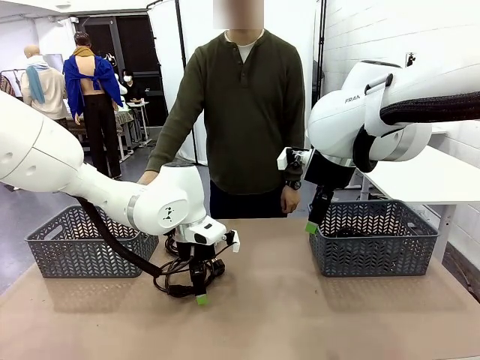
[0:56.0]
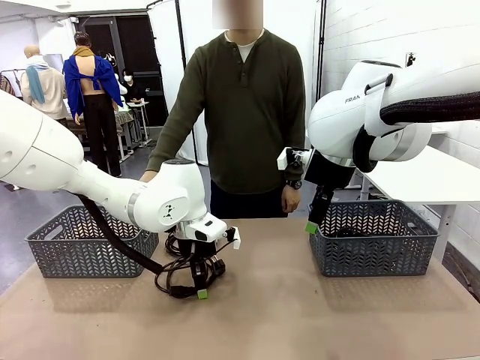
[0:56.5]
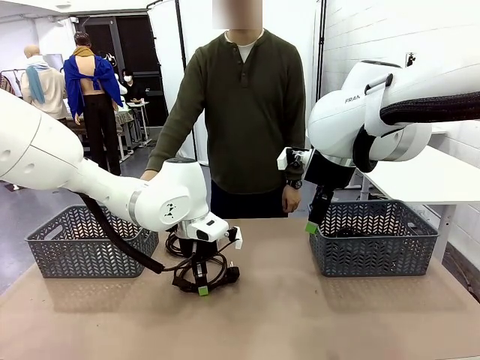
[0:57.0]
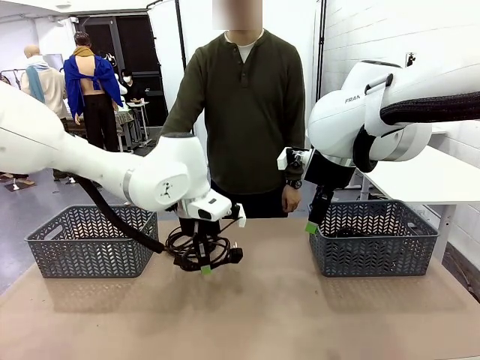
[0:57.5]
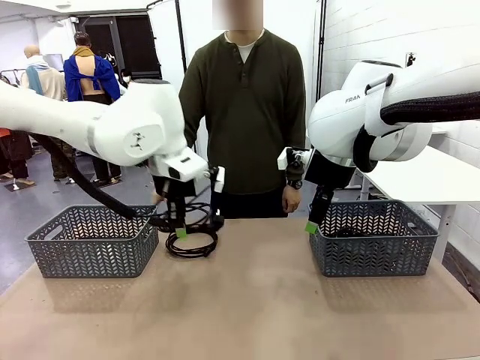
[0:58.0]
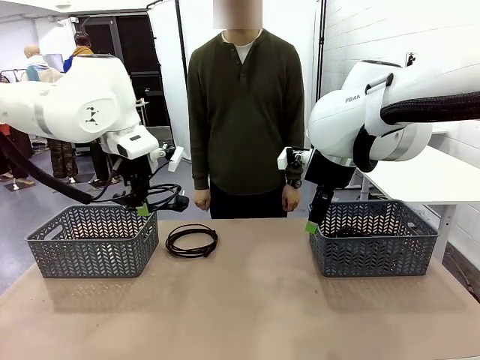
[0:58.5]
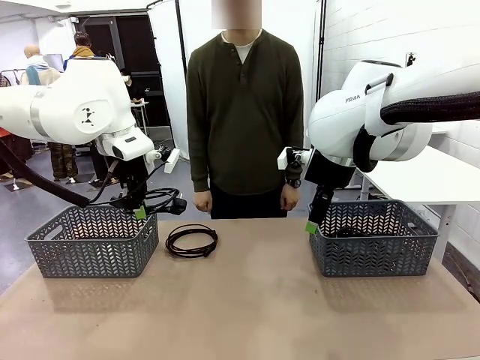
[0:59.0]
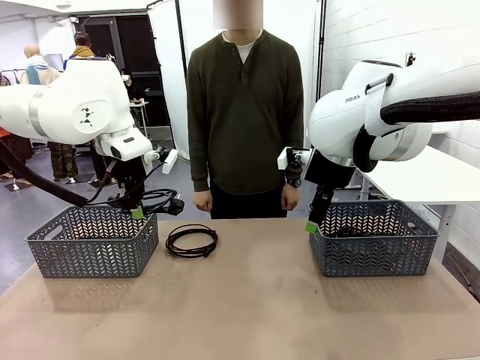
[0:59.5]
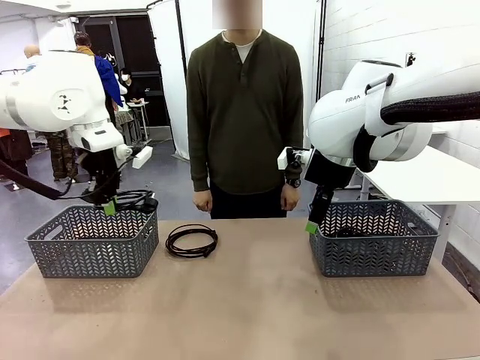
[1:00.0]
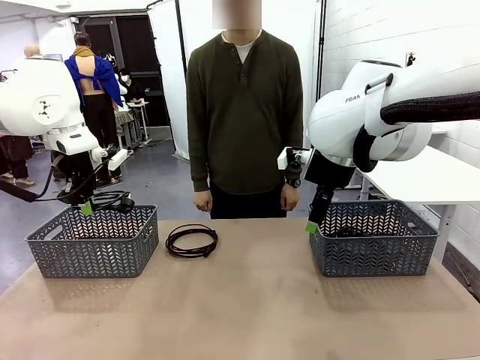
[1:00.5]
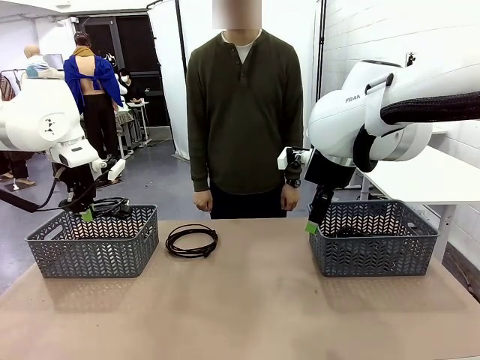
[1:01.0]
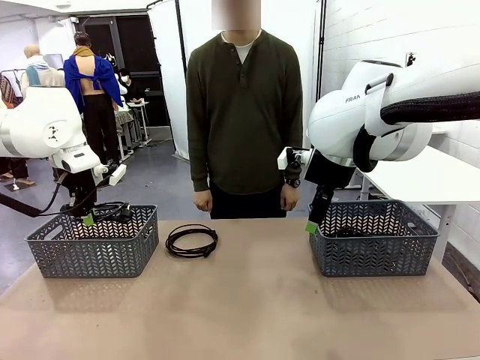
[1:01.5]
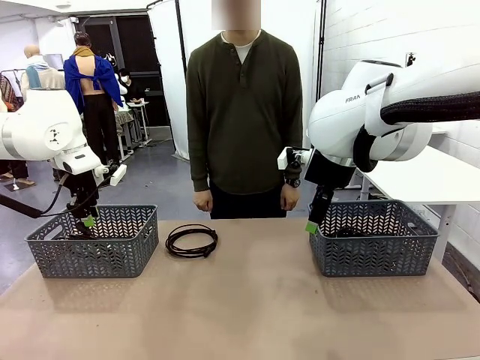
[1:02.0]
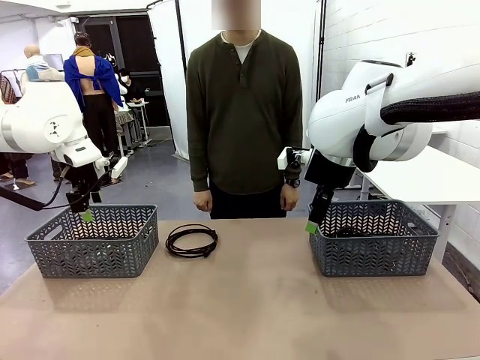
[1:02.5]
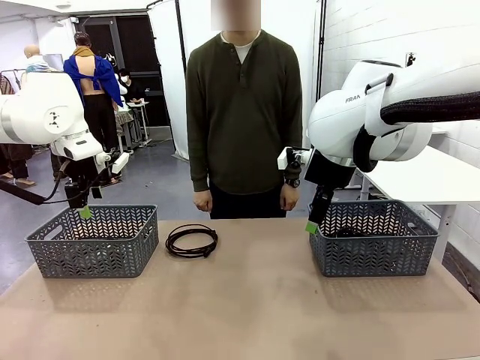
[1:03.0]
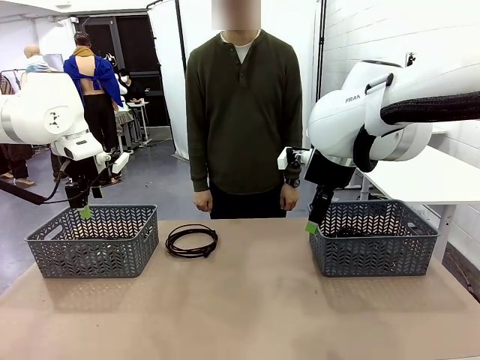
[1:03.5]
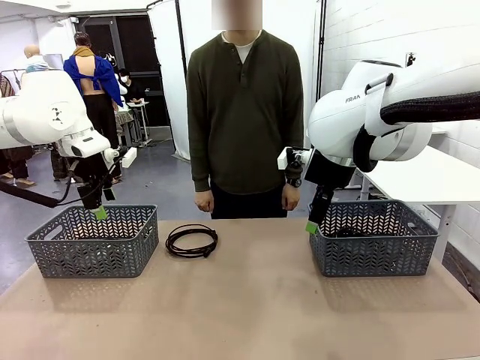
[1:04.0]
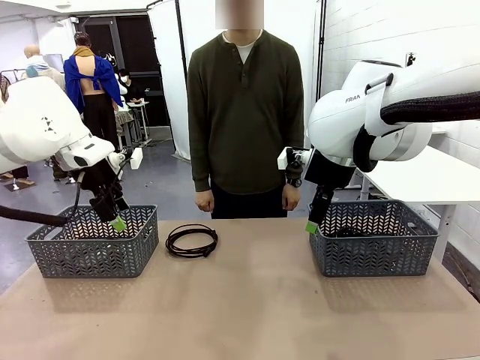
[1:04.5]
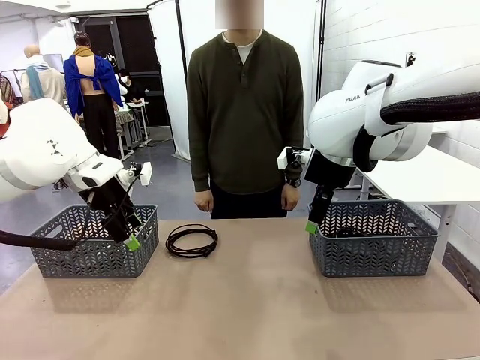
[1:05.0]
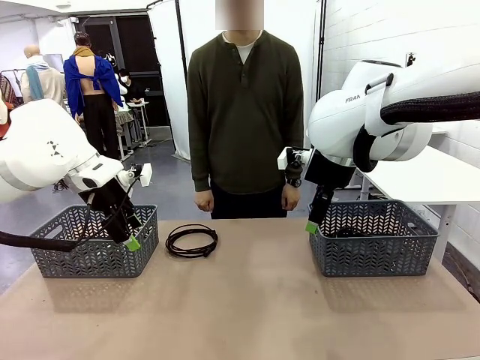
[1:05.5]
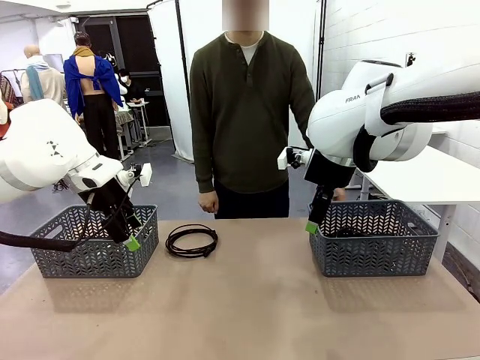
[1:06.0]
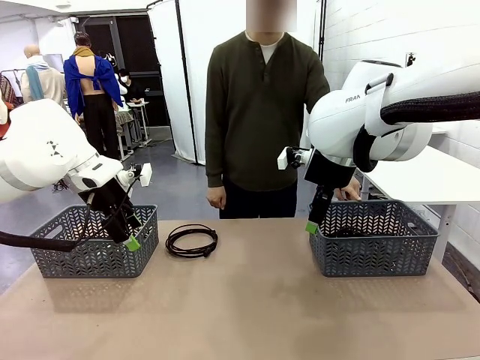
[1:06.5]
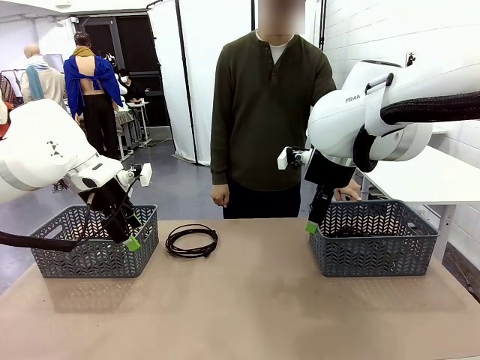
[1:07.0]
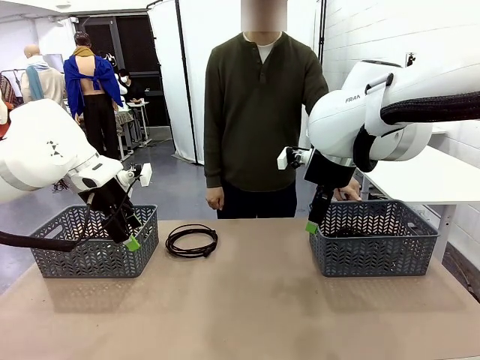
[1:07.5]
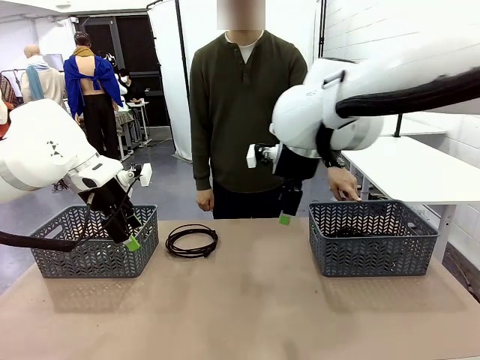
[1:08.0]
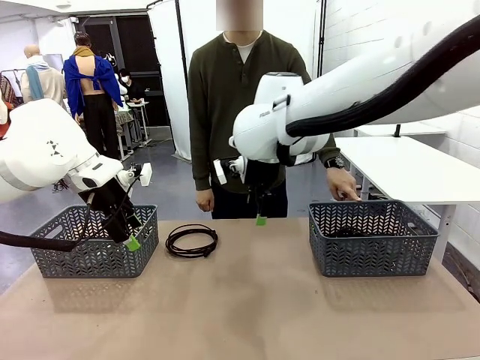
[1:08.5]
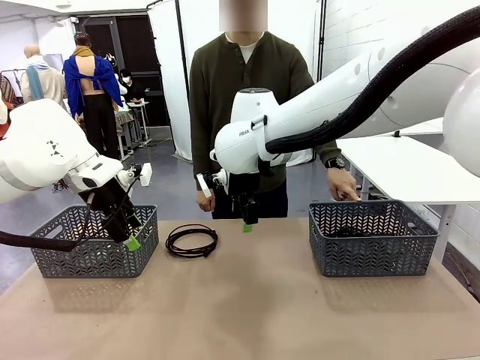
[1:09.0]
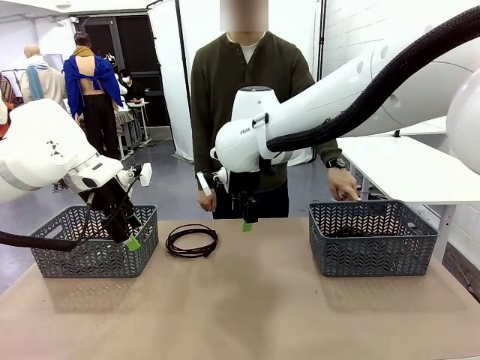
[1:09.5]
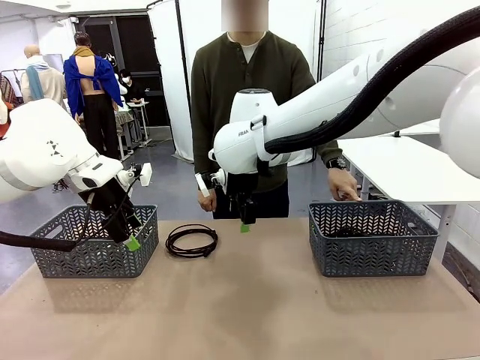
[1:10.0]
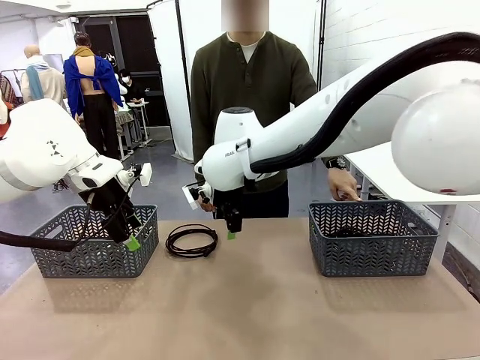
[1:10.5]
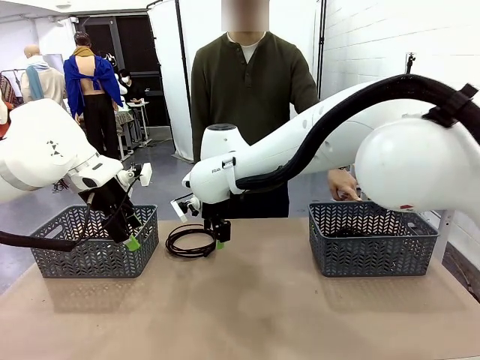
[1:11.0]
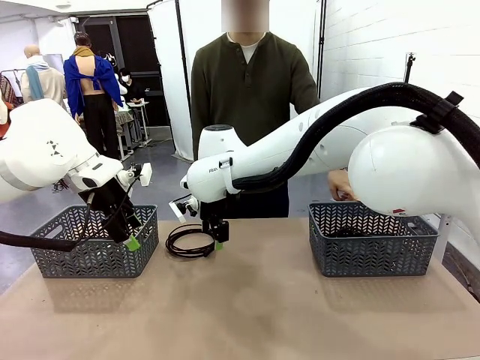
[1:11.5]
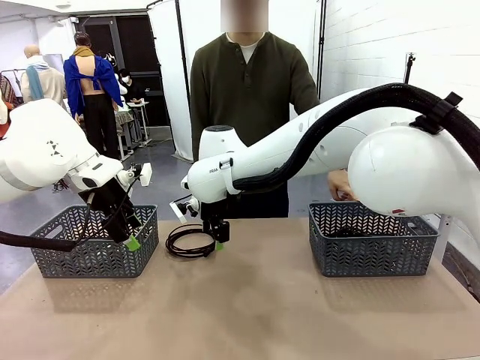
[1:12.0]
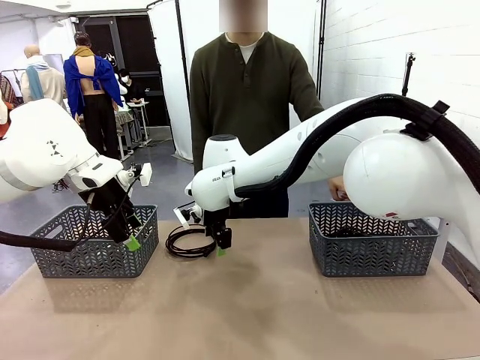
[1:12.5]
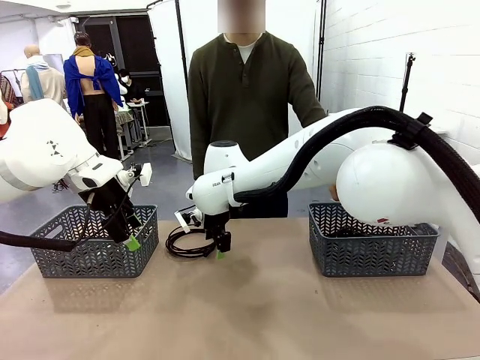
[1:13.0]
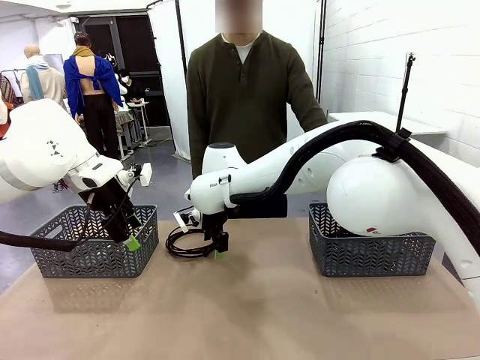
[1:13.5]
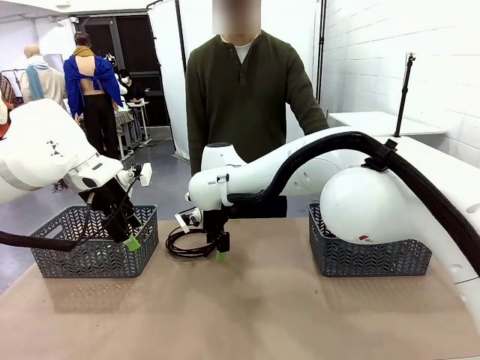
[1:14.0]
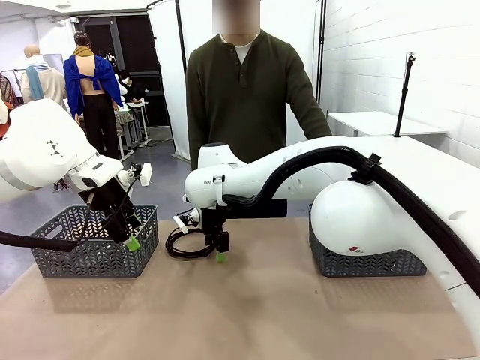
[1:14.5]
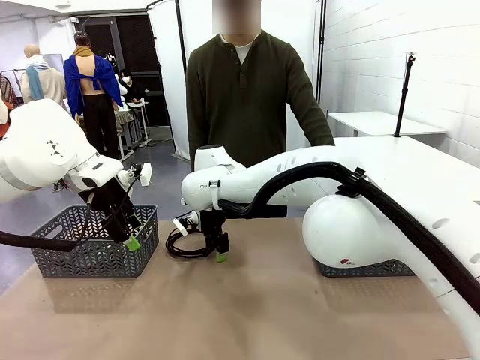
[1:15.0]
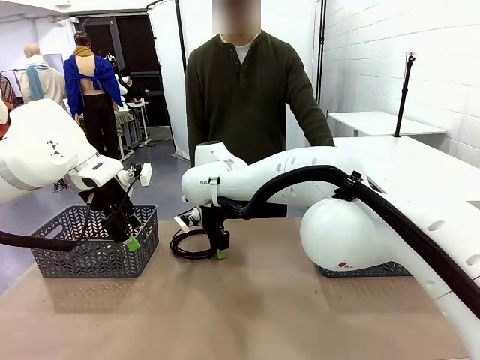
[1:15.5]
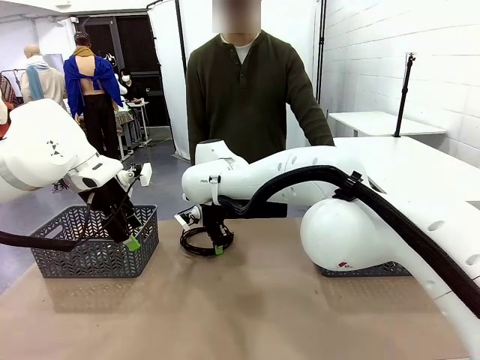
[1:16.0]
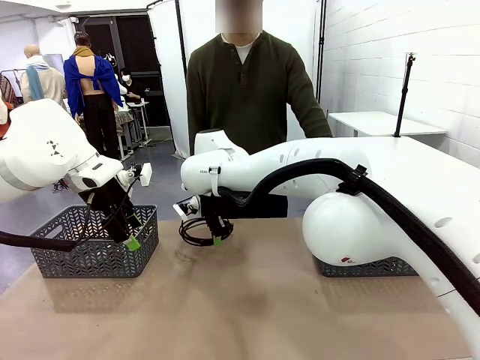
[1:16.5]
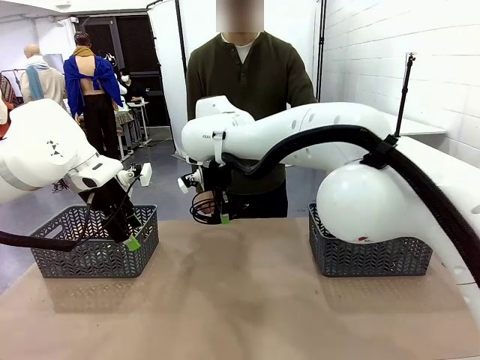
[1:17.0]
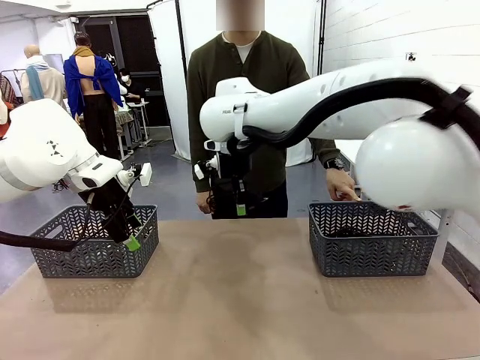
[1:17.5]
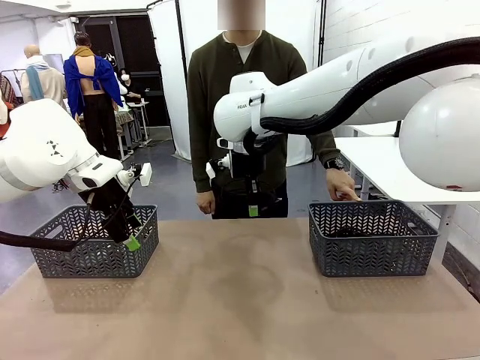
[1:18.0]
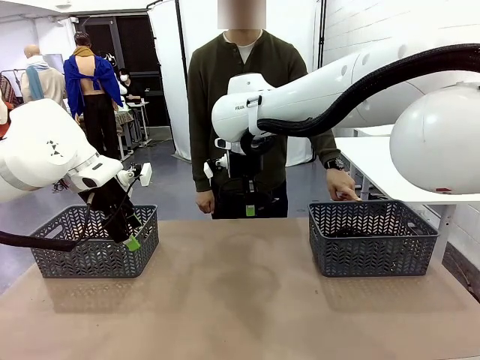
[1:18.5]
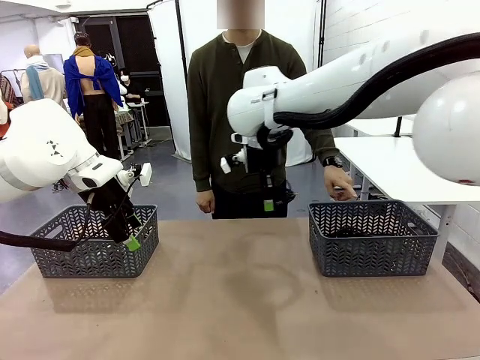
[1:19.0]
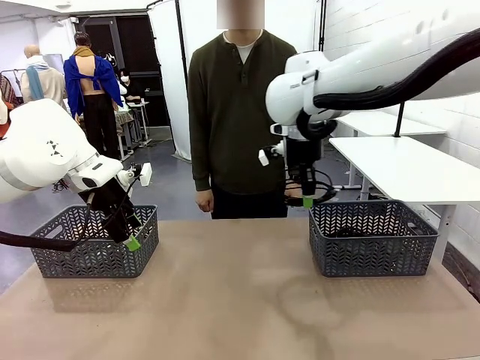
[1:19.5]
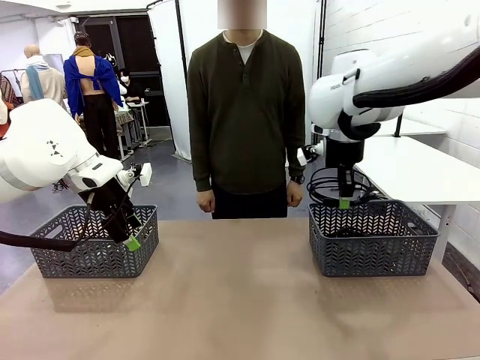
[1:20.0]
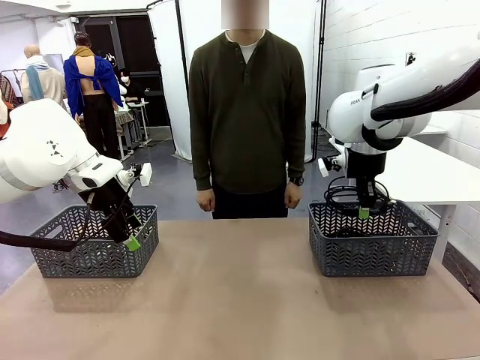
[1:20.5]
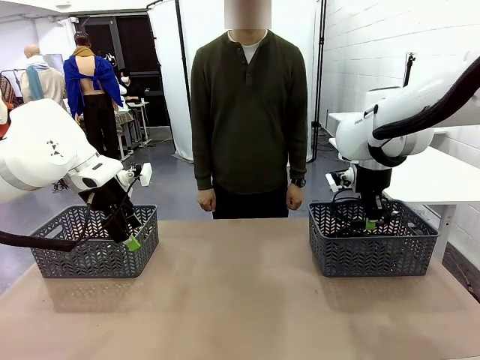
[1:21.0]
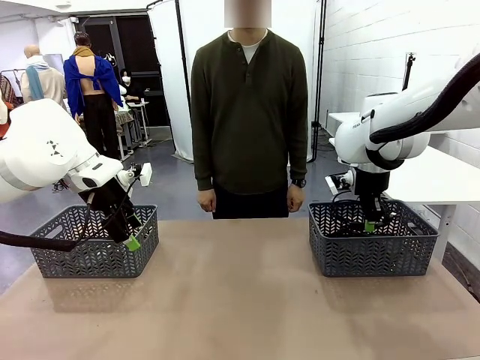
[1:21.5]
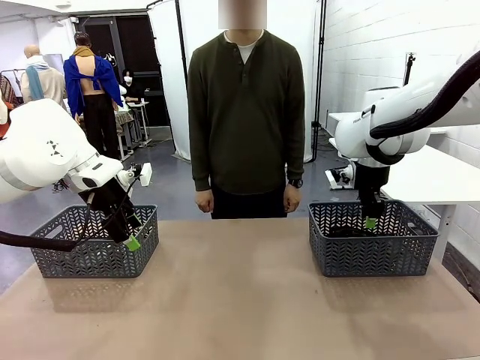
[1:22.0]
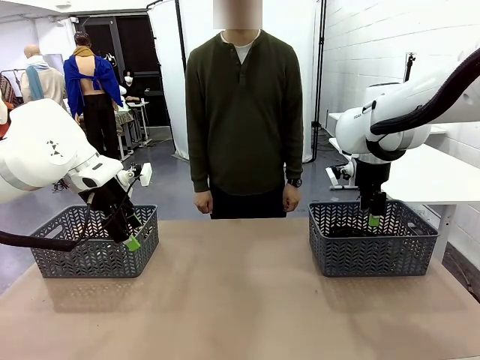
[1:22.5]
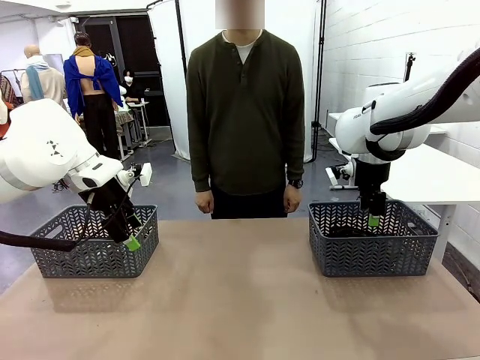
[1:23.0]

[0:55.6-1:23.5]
Task: Organize the cables according to human instructions.
Robot: Pick up a bundle of cables and place it in the basket indicated by the human.
